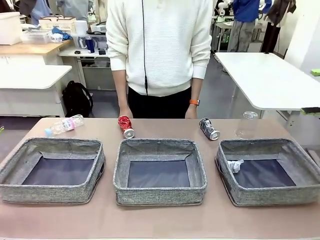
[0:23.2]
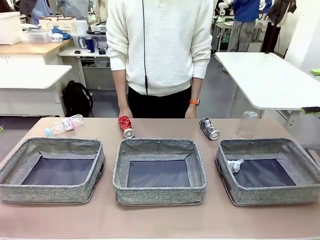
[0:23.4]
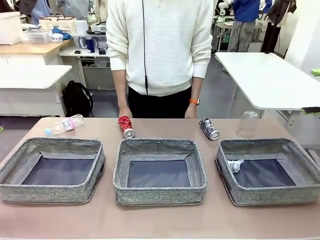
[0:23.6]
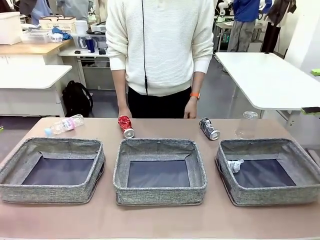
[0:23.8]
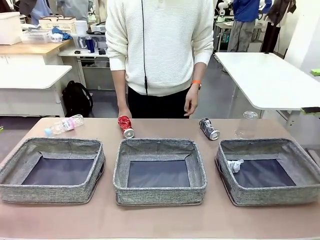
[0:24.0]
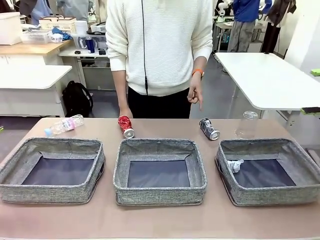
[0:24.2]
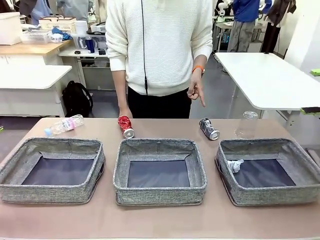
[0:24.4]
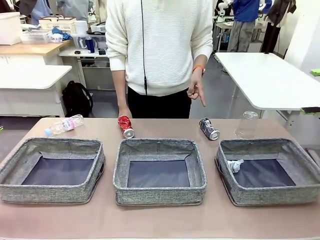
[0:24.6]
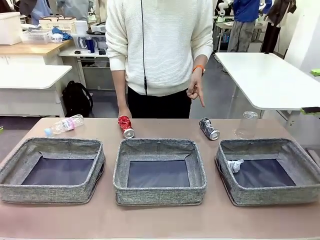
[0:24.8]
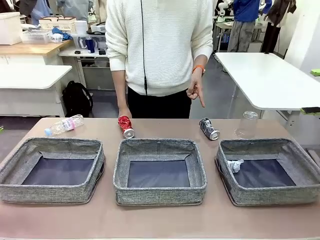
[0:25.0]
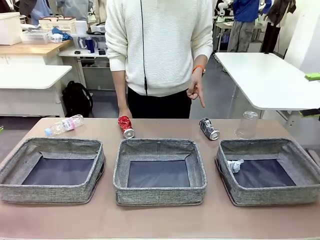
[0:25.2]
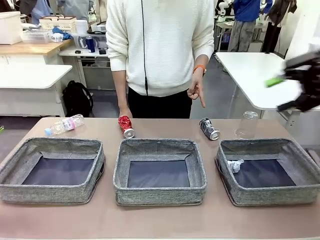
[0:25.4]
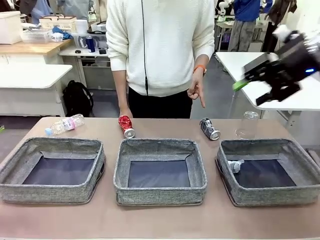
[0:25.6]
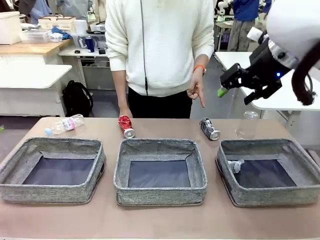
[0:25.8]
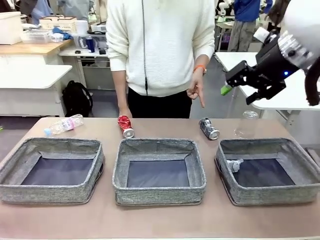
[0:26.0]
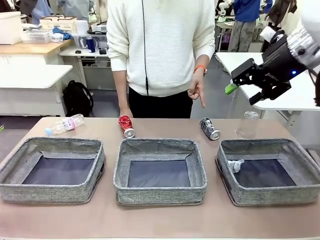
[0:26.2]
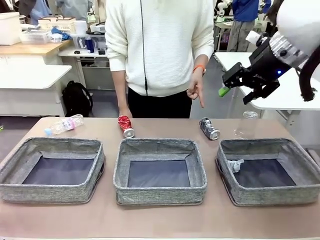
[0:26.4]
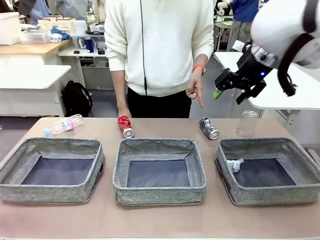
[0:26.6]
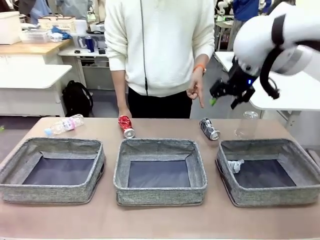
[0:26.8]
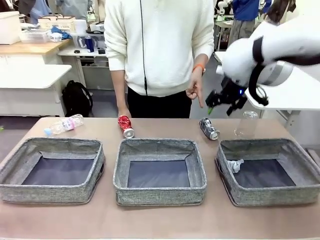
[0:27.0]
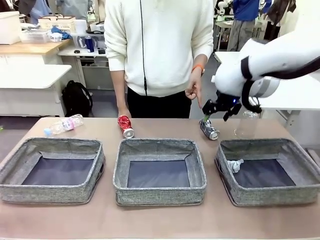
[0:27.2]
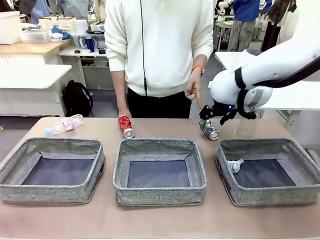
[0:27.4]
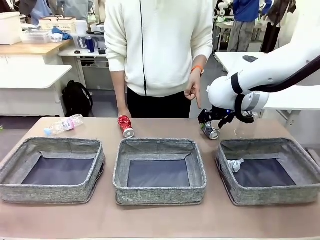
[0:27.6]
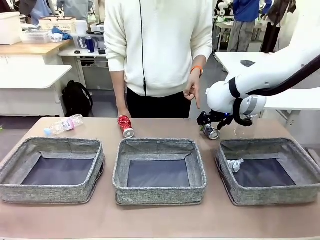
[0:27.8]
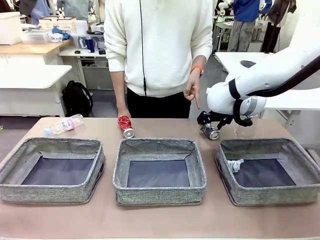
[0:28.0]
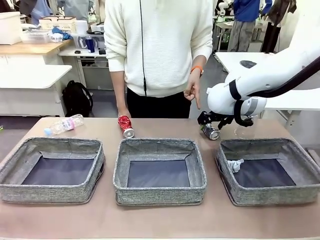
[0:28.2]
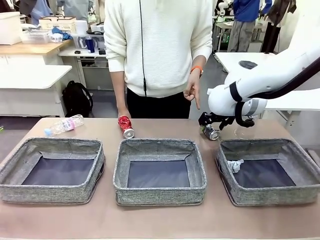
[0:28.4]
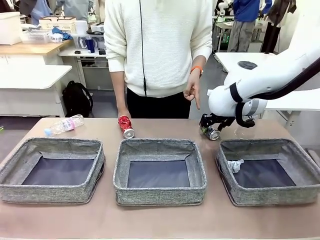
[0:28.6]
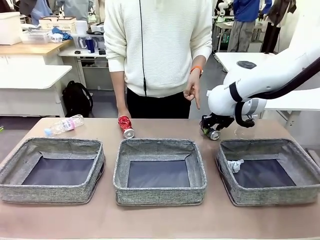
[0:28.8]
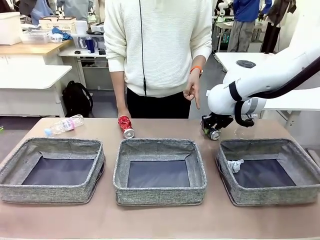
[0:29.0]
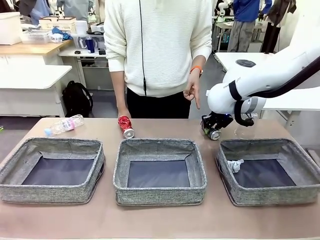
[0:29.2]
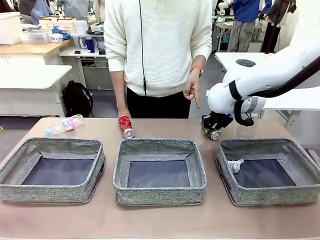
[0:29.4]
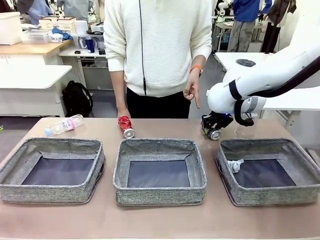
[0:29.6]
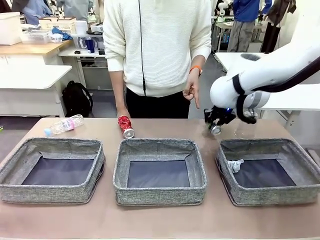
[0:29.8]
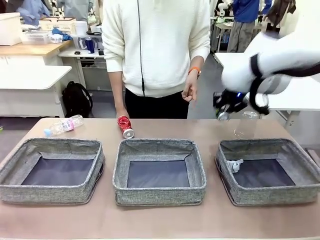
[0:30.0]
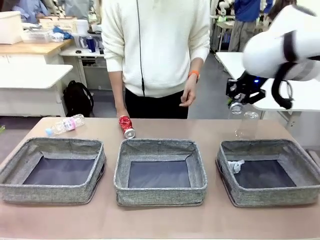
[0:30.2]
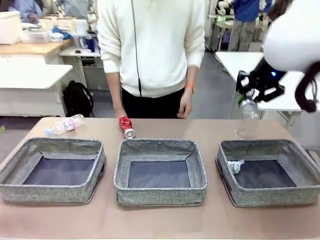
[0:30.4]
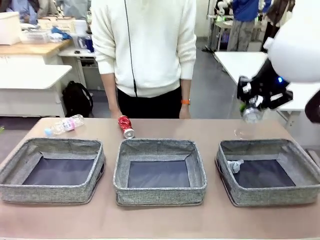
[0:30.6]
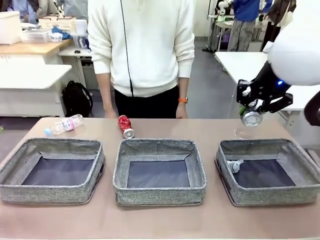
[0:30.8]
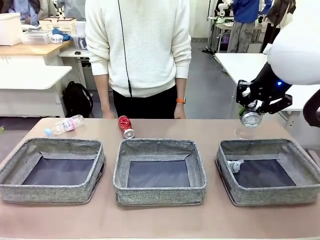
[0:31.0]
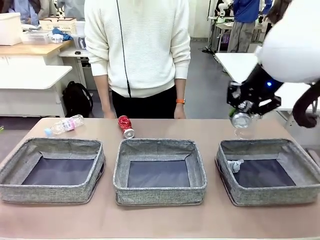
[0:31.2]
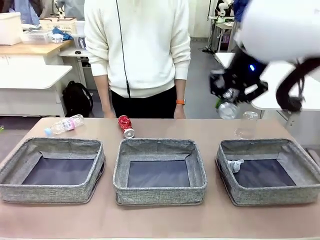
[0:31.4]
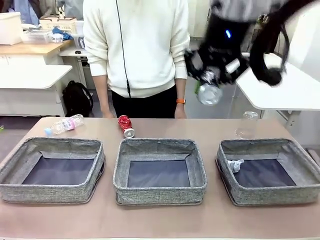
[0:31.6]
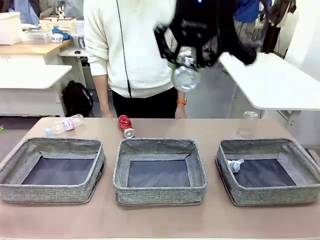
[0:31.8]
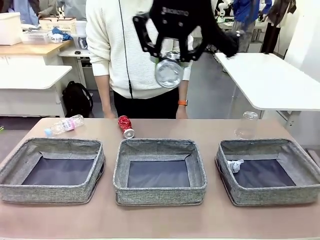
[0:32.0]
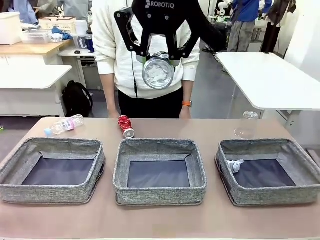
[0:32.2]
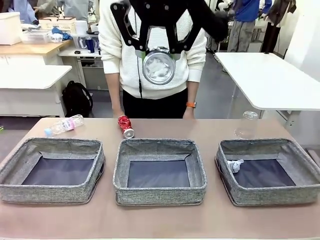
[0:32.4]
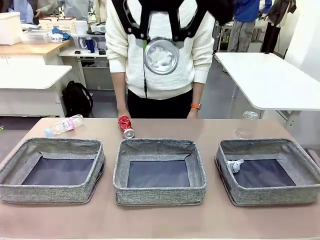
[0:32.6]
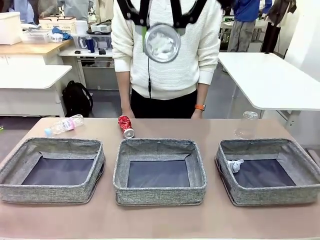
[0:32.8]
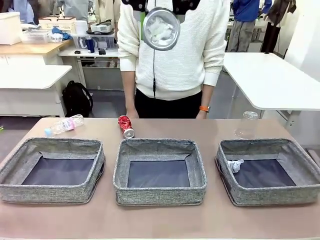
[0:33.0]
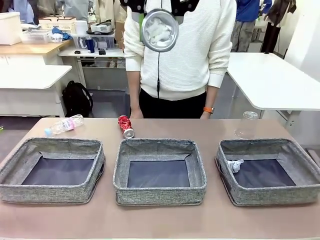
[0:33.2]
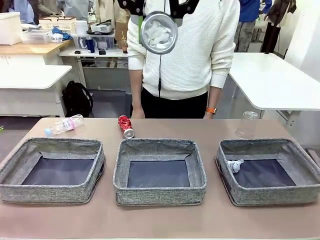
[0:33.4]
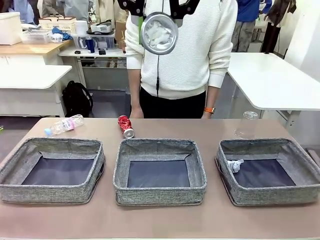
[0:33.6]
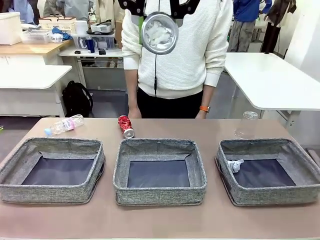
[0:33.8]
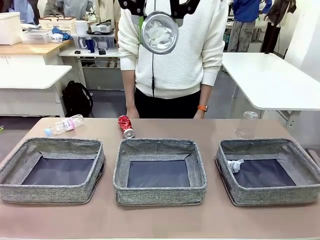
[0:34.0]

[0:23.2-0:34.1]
Task: Sort the waste into the appropriate baskets.
Robot: Pick up the waste item pointed out by the person.
Person: Points to one piece of trash on the table.

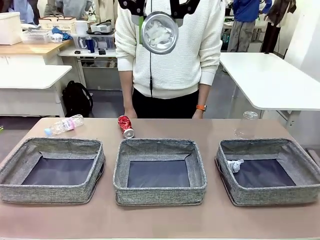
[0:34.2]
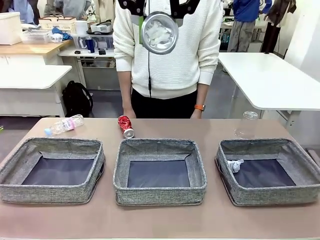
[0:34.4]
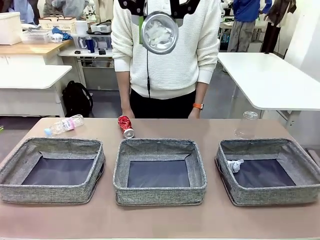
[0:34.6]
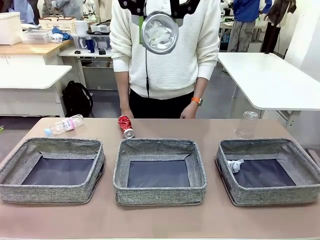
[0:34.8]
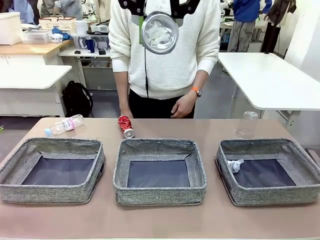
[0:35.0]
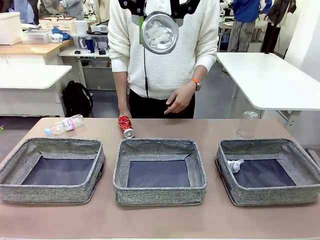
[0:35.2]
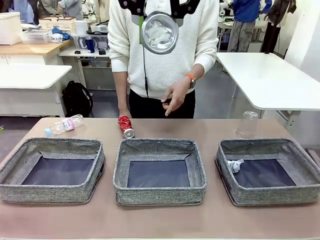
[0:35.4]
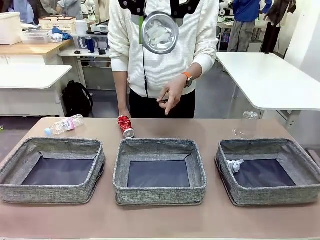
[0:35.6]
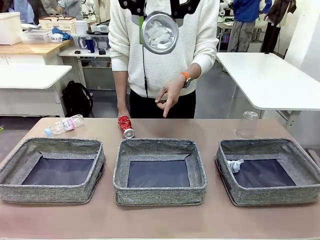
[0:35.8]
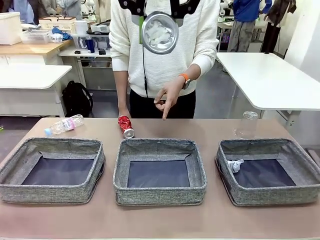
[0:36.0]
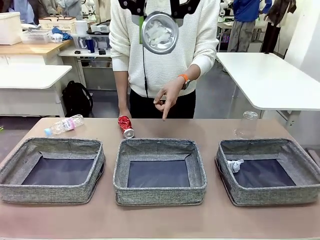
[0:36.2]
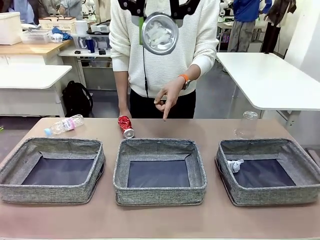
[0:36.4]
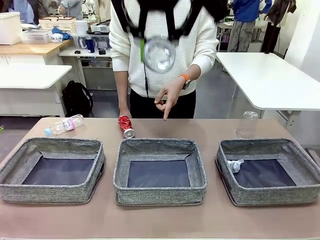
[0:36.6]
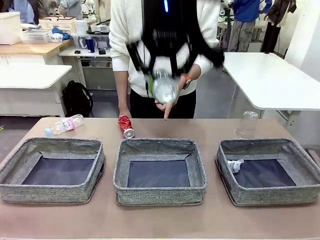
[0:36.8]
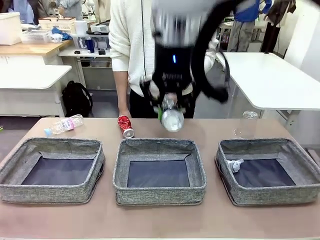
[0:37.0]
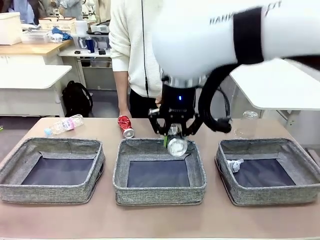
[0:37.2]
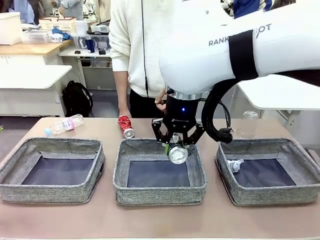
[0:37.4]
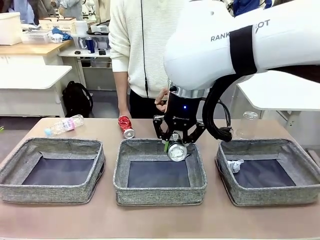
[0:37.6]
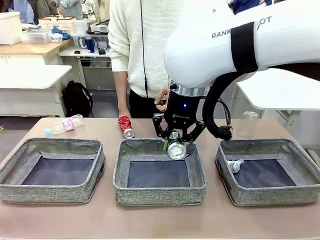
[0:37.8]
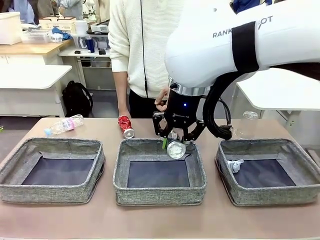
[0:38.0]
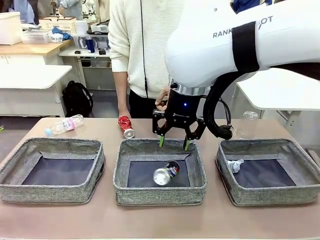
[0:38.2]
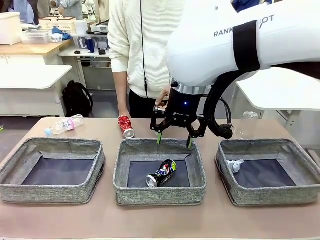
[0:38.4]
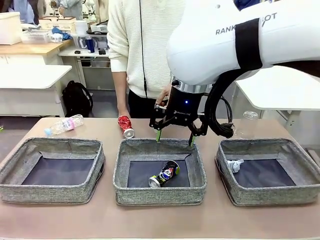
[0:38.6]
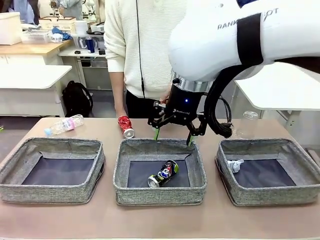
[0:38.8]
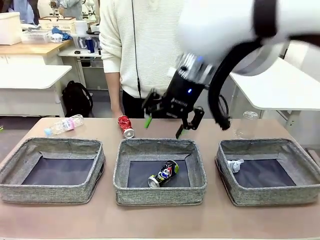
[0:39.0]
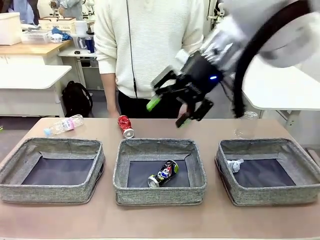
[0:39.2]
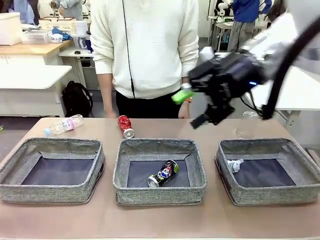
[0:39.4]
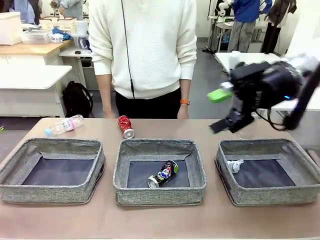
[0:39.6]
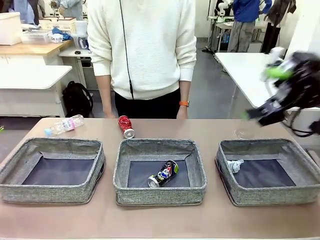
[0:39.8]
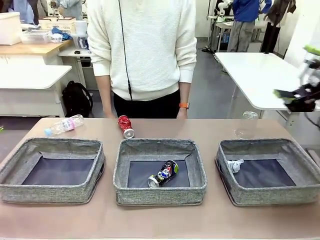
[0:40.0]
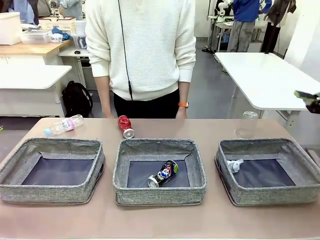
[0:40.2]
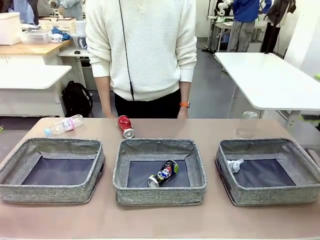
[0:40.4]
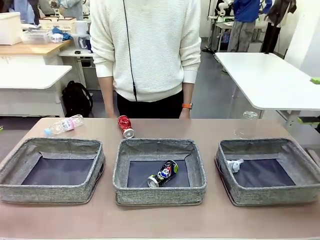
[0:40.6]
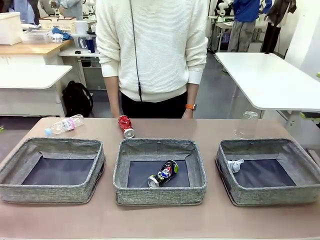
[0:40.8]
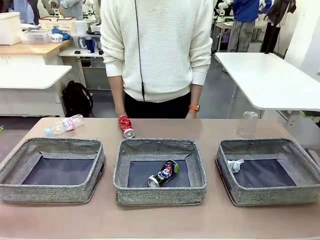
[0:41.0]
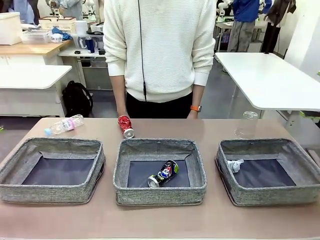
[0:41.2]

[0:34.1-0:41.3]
Robot: Place the picked waste into the Fabric basket indicated by the person.
Person: Instructs the robot to place the picked-up trash into the appropriate organizing basket.
